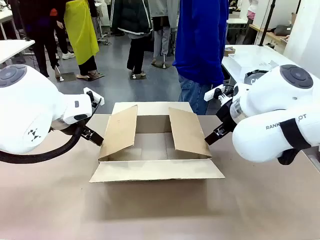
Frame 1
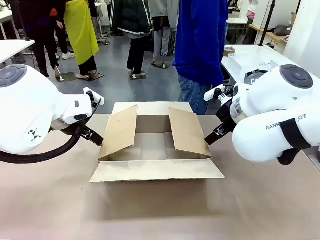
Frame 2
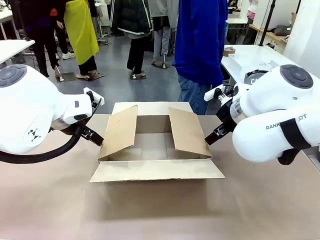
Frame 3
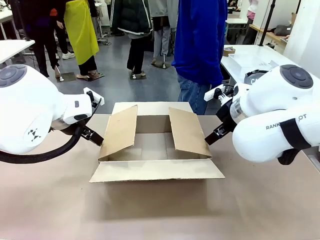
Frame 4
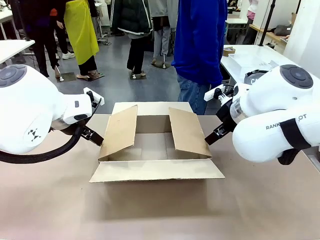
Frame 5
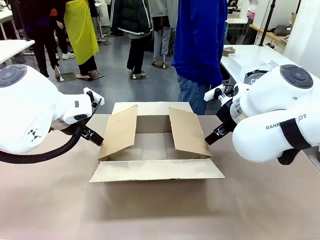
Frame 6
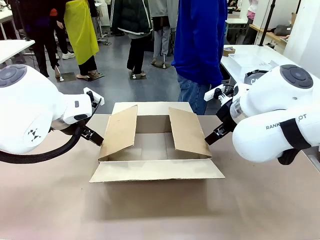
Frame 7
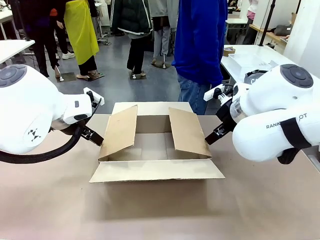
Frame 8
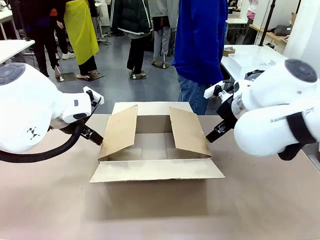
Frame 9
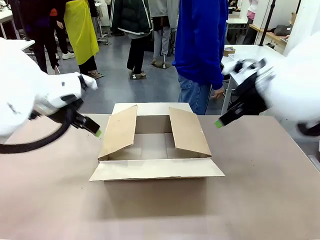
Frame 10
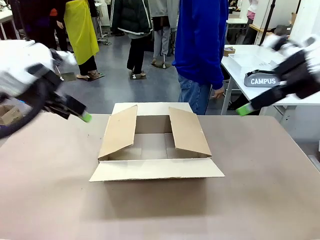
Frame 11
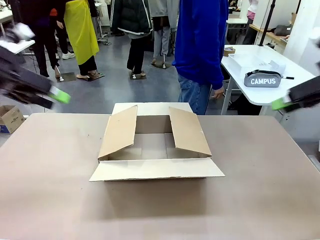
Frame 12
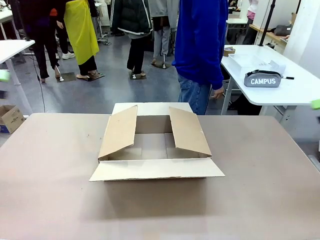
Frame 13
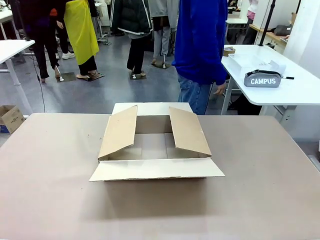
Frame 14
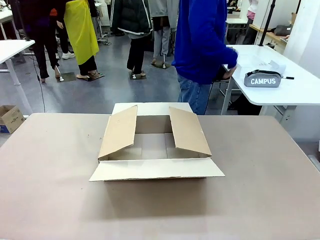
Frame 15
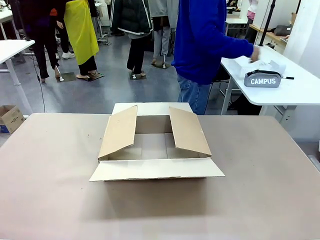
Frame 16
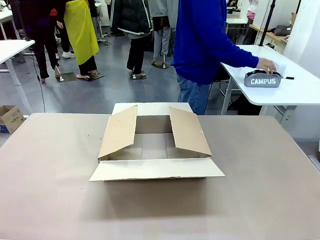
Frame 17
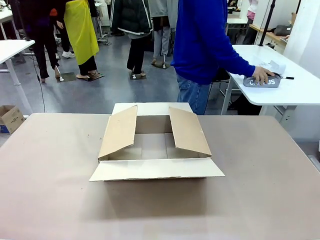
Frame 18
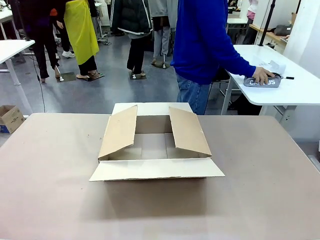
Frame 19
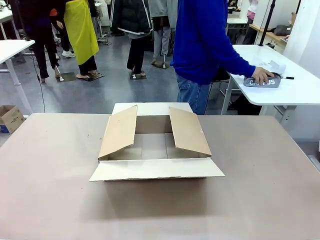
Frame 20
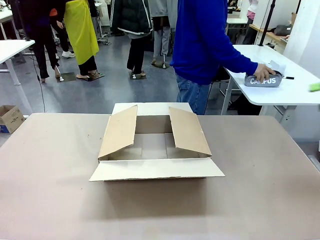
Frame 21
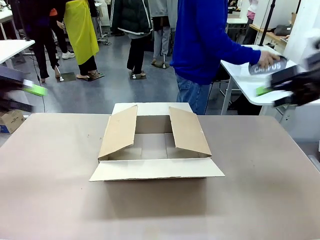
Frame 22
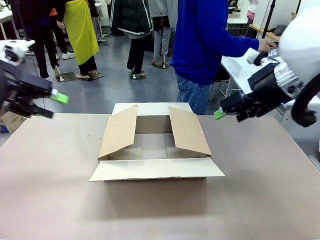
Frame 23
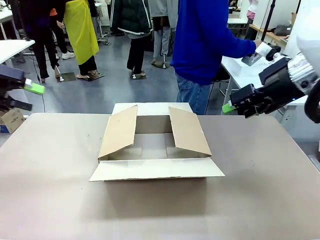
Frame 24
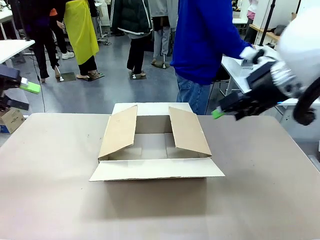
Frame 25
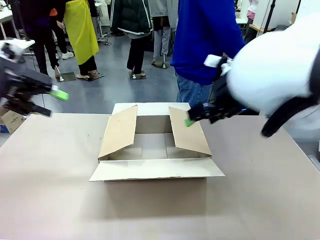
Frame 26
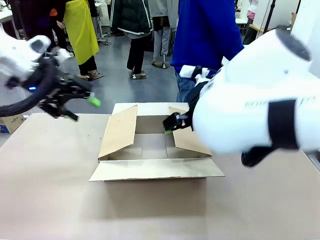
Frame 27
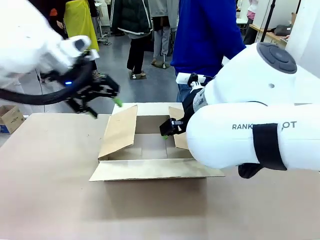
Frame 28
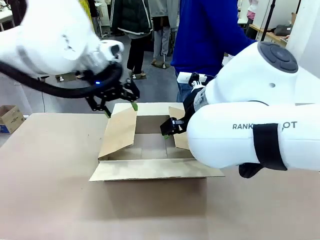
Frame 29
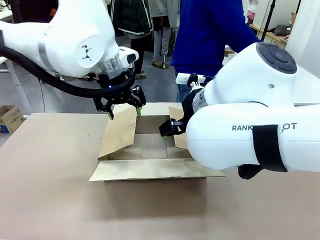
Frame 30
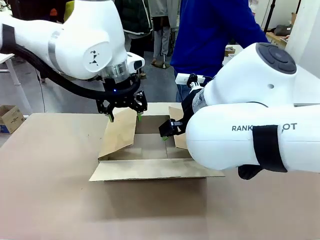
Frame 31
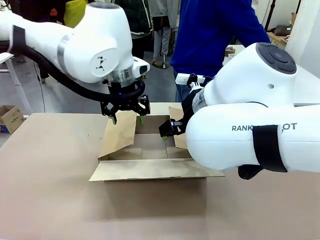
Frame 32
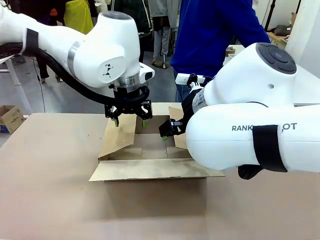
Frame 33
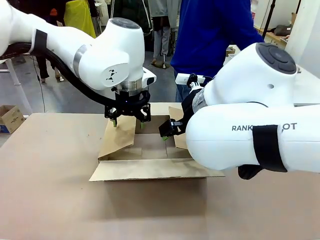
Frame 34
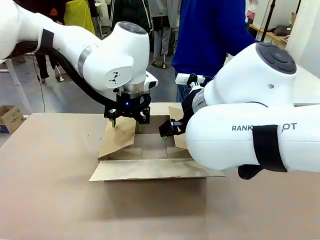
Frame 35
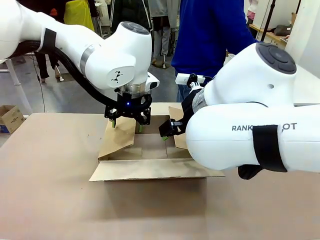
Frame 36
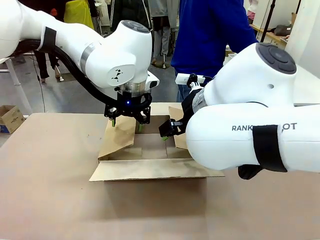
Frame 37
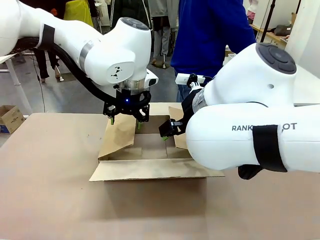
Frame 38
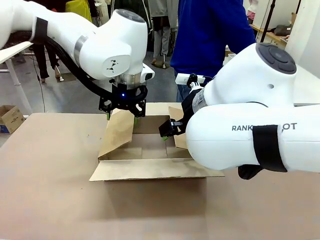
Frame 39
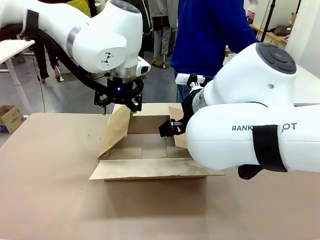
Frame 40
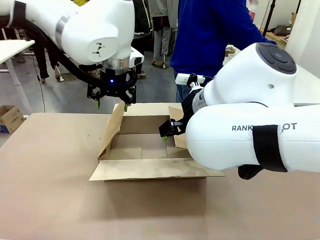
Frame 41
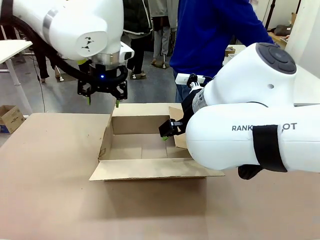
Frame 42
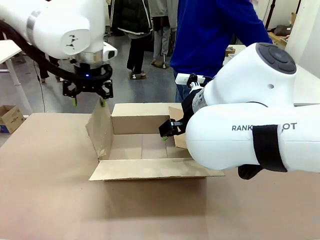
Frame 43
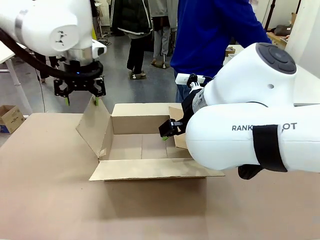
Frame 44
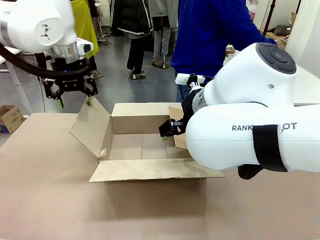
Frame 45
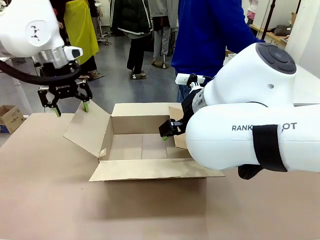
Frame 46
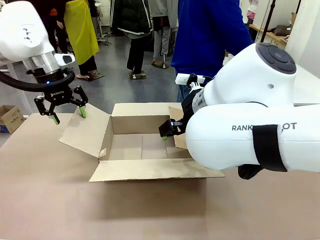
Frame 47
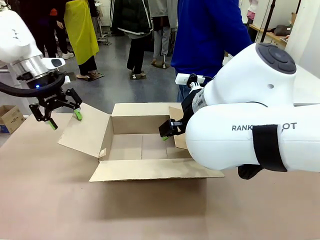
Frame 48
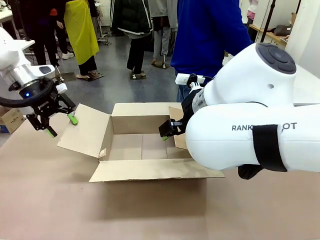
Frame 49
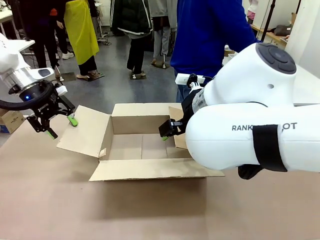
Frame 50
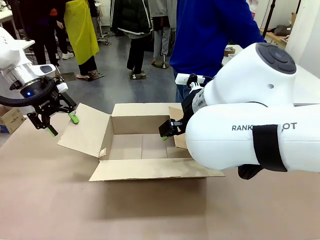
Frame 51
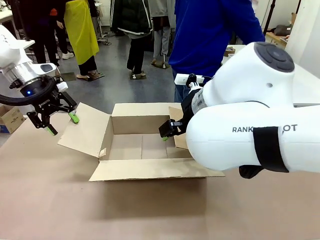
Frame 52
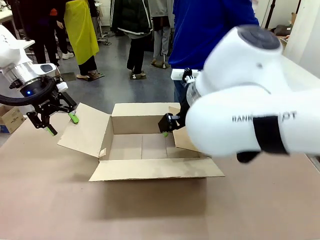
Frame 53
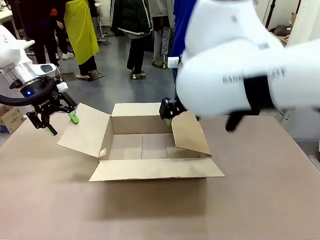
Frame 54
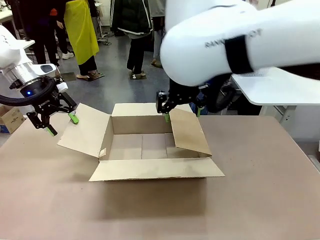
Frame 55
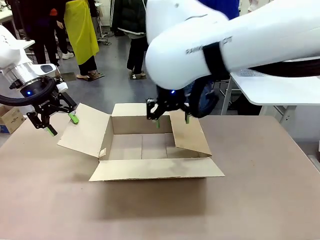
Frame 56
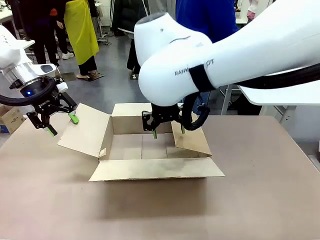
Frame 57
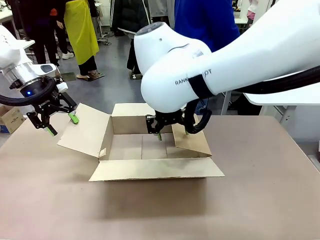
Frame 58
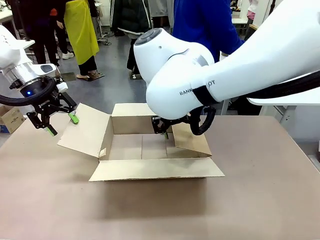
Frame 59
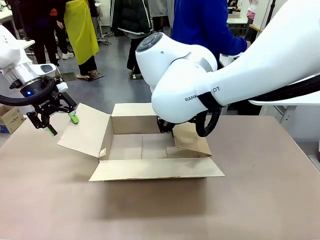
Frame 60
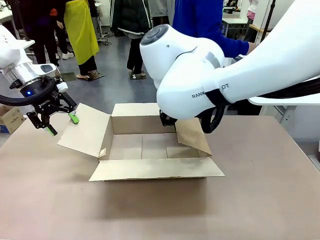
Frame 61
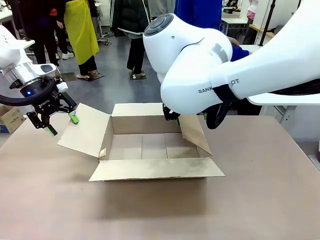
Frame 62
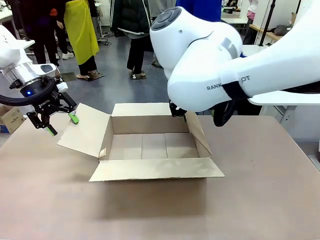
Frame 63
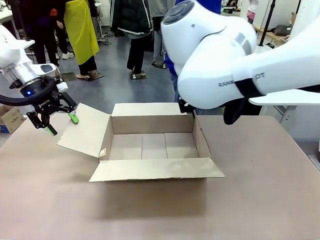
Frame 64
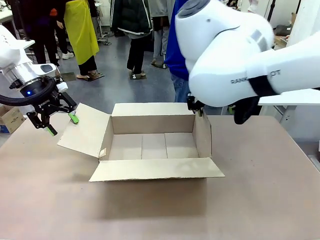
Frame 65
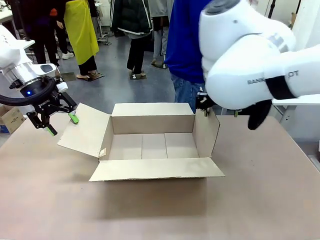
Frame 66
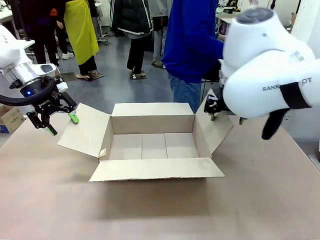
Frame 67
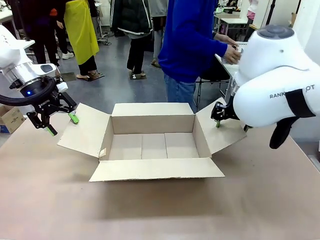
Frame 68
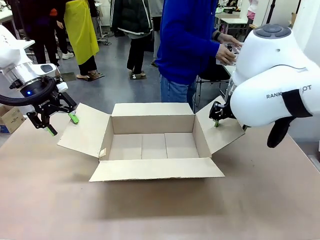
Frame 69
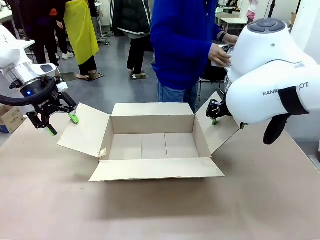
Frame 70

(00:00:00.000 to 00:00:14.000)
Task: Pack the gift set into the box.
Robot: Place both hands on the side flaps of the Package Box and spread them outward.
Person: The human places all items except the paper tape into the organizing basket.

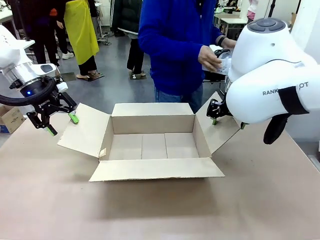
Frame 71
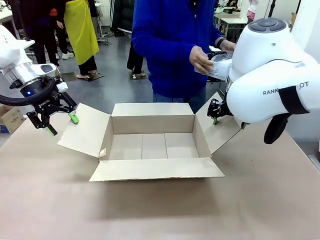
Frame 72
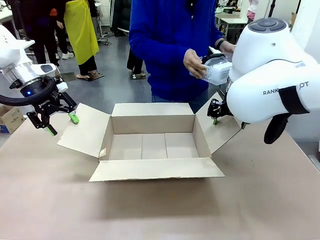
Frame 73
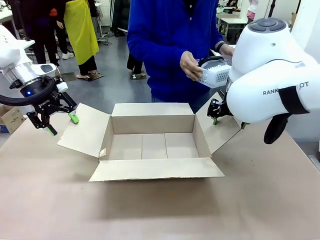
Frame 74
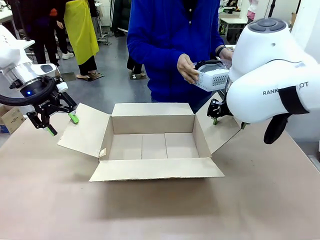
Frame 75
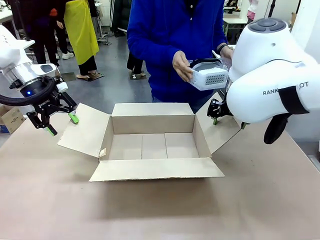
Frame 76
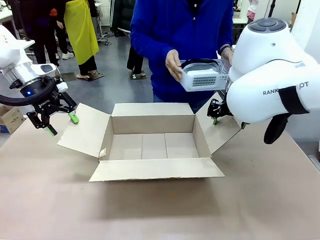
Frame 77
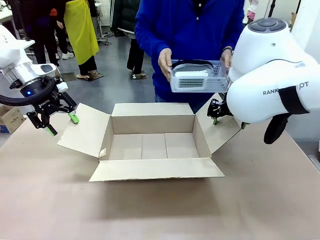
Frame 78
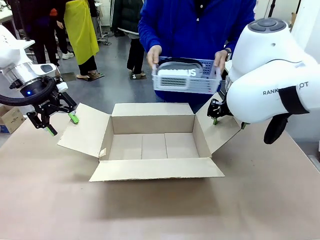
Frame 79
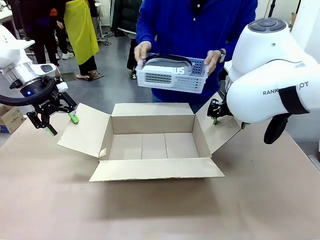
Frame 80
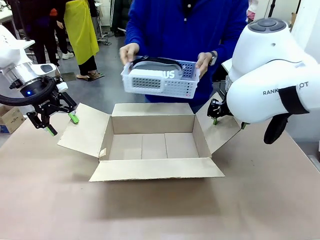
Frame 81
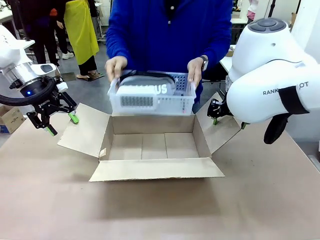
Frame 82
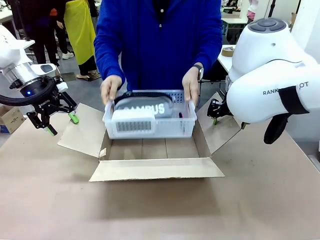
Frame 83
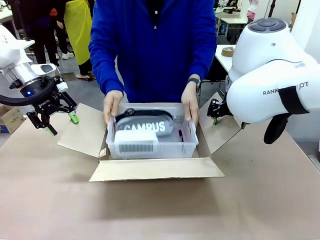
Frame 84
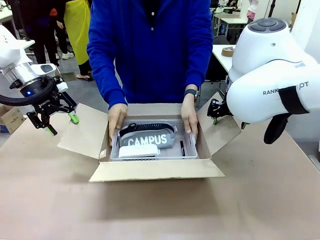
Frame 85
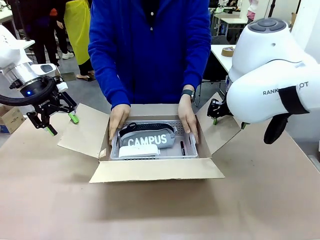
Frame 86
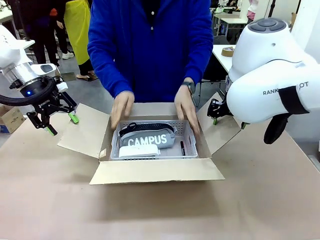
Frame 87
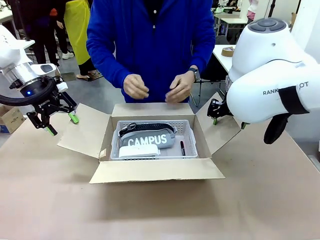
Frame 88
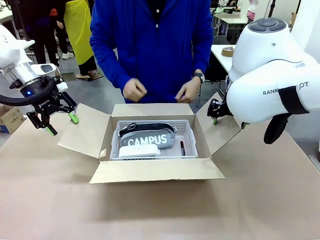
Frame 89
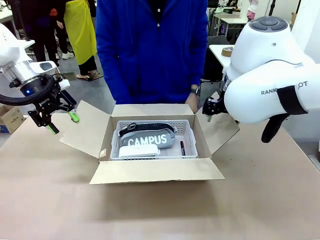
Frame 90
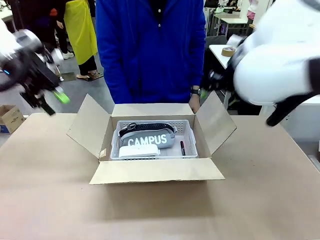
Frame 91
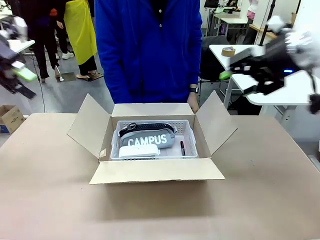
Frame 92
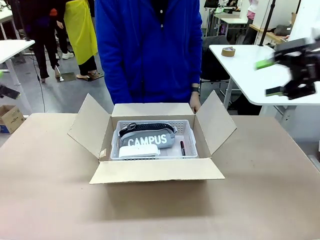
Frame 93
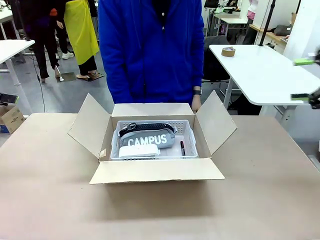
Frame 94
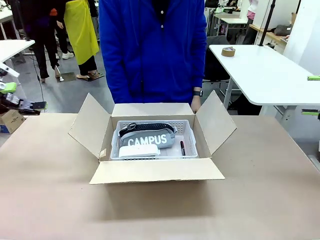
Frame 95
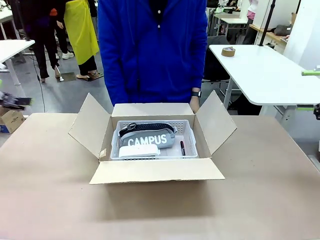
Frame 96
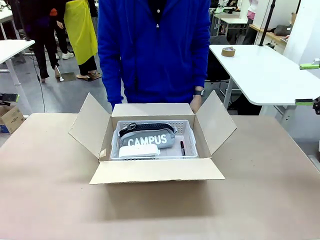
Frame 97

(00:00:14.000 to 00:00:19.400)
Robot: Lift both hands away from the flaps of the Package Box.
Person: The human picks up the organizing basket and places the organizing basket into the package box on the robot table.
